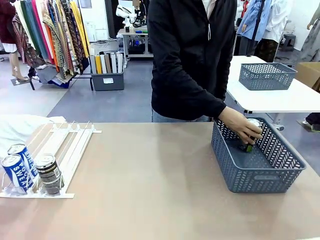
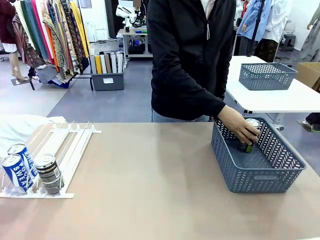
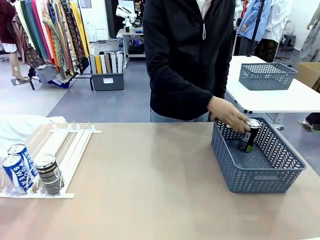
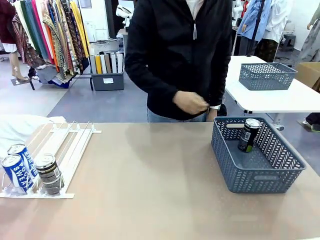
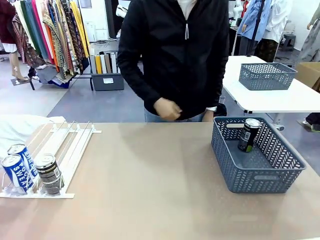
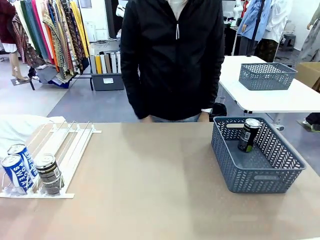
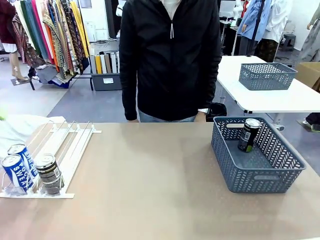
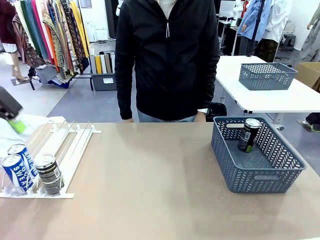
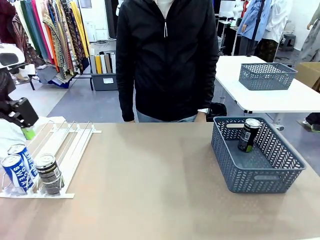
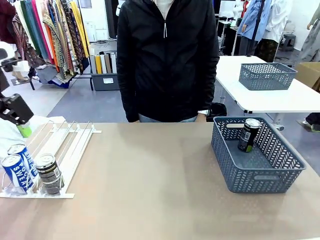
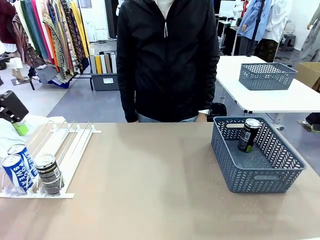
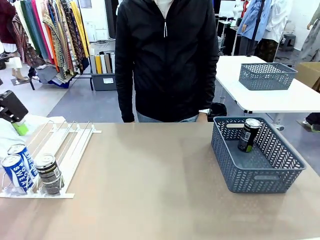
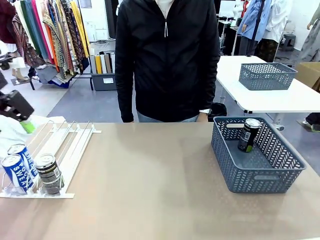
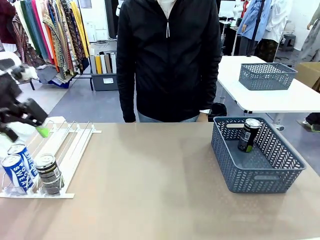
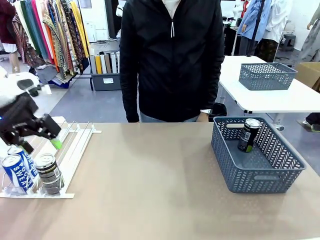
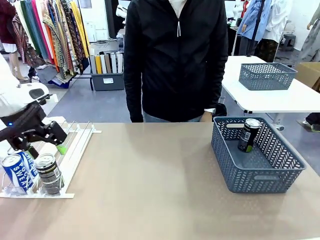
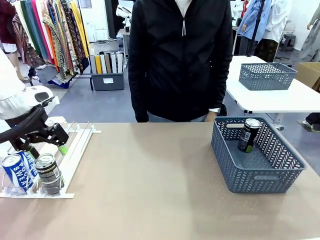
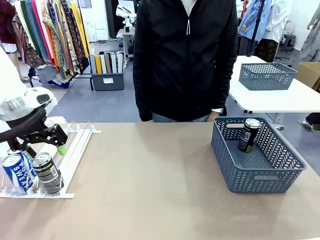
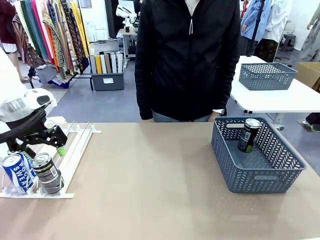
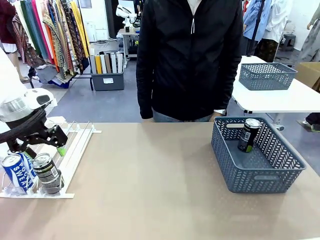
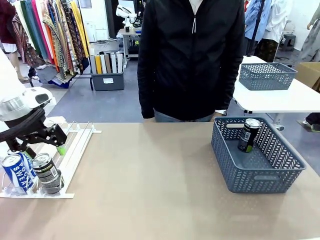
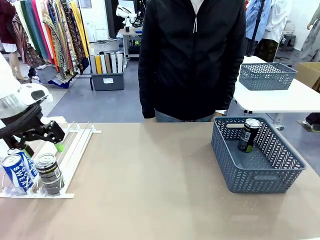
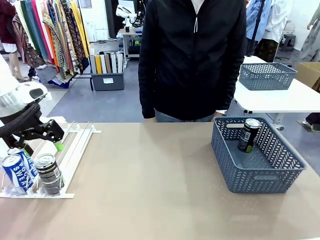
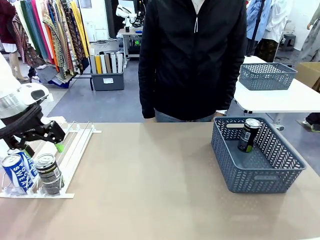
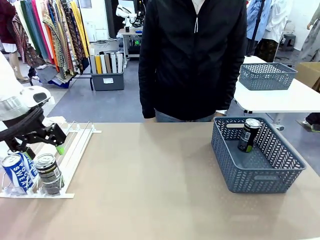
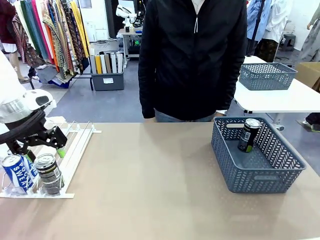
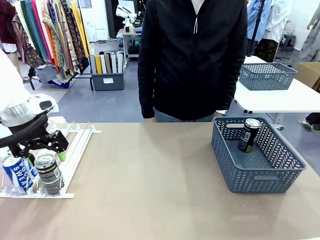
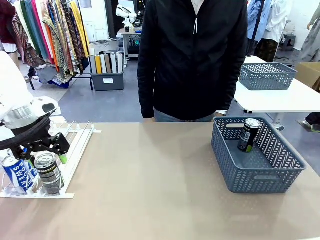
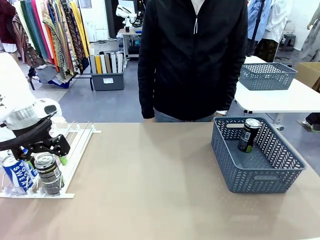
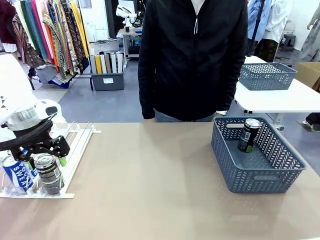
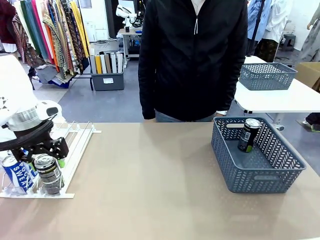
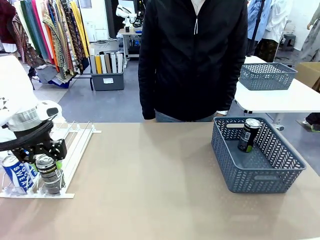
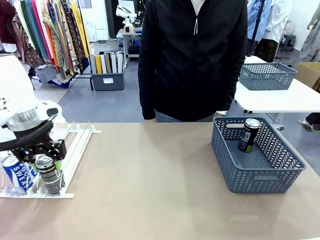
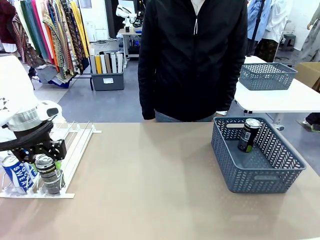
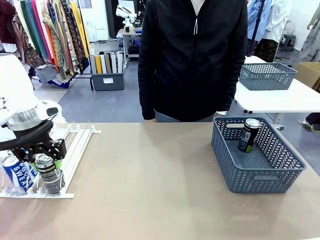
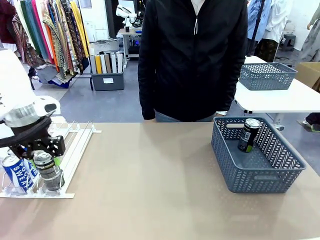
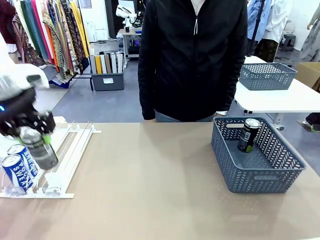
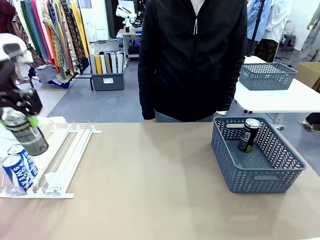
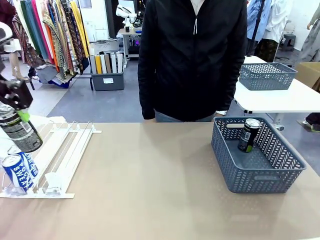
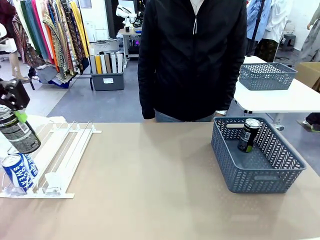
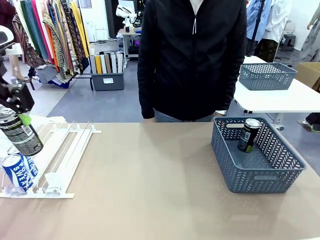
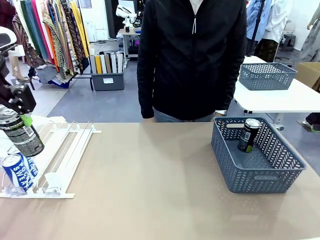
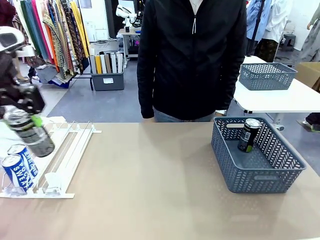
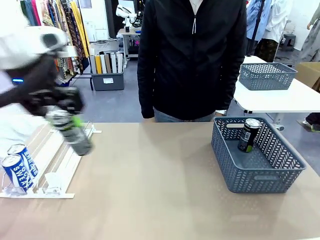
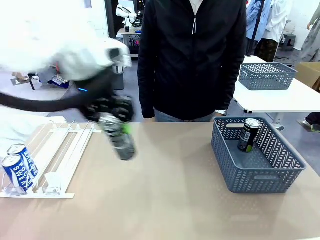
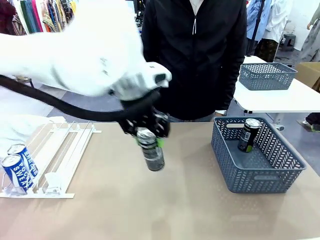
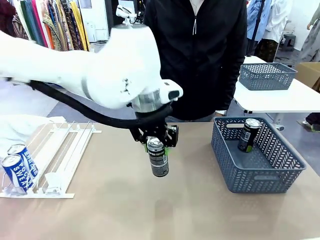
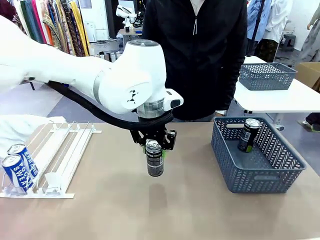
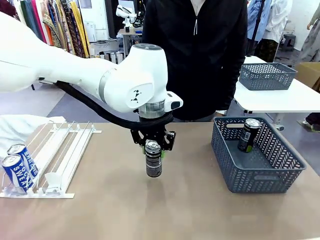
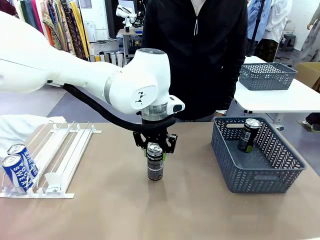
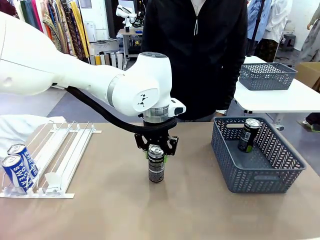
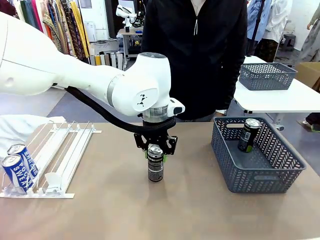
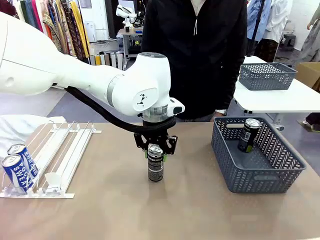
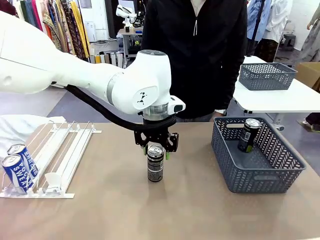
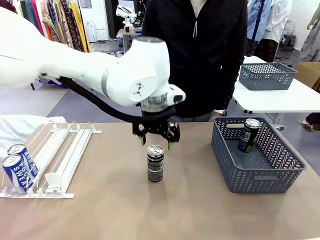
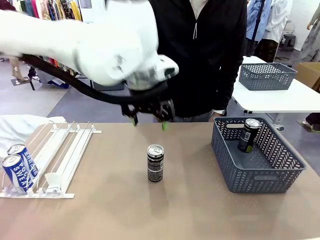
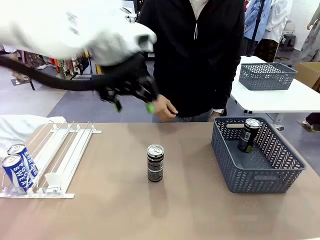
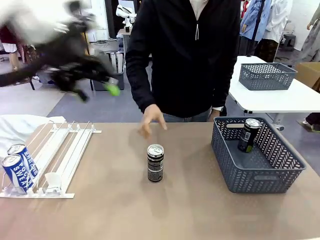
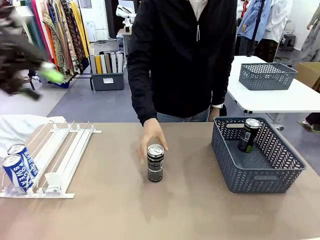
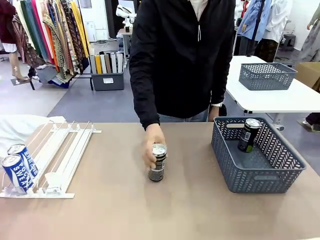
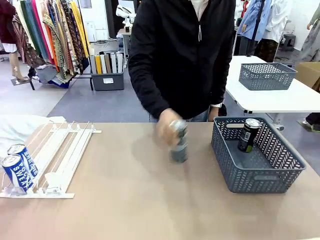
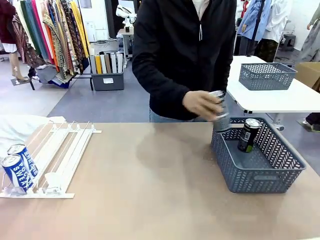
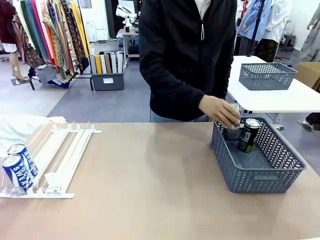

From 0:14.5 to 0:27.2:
Task: Retrieve and store the cans from the dispenser.
Robot: Pick up the last remaining can from one row of the Automatic Can Dispenser and place it in the middle of the table.
Person: Pick up one Pepsi can from the middle of the robot table and place it in the basket.

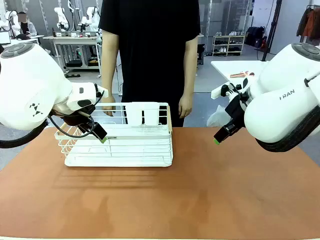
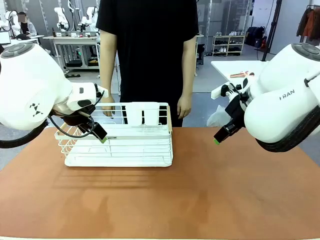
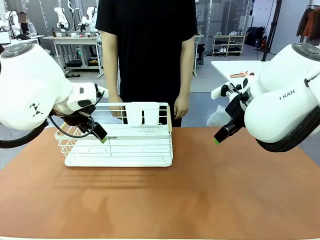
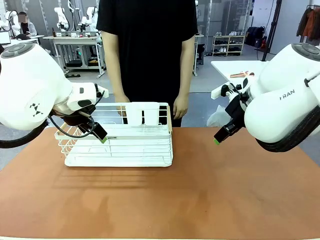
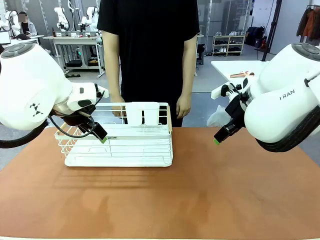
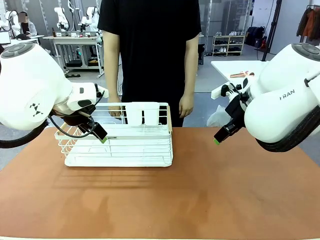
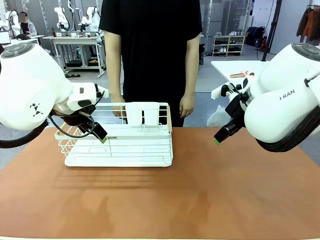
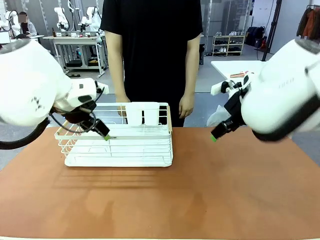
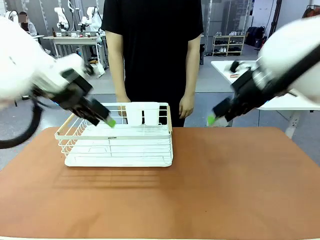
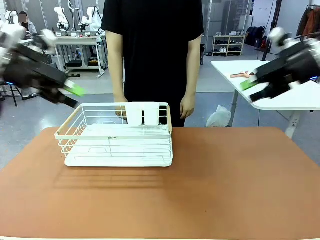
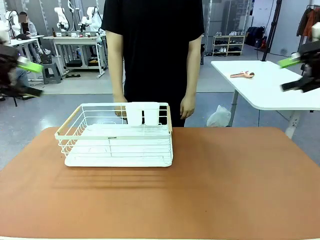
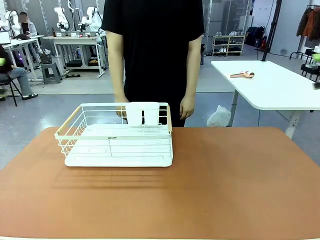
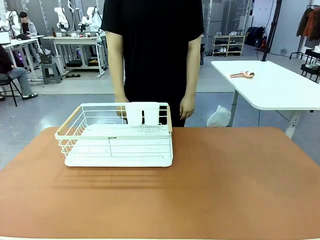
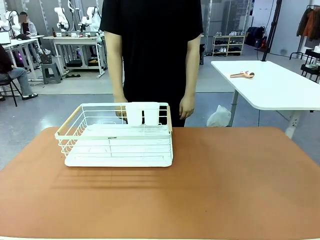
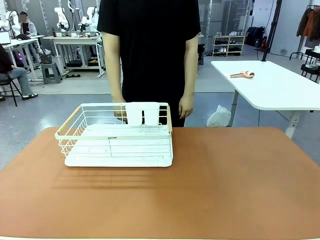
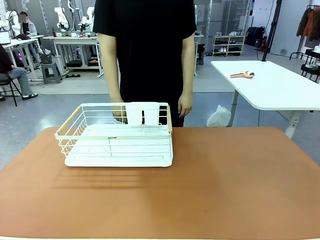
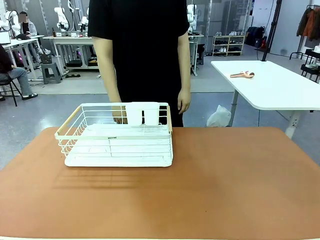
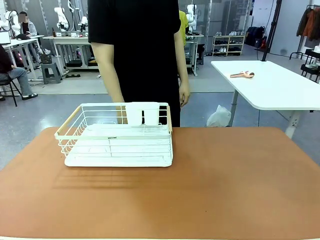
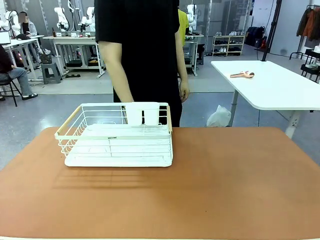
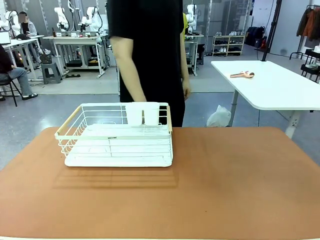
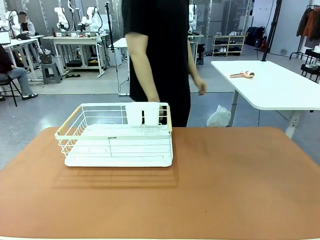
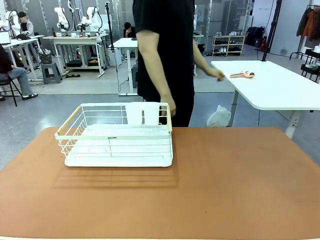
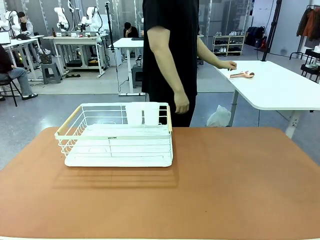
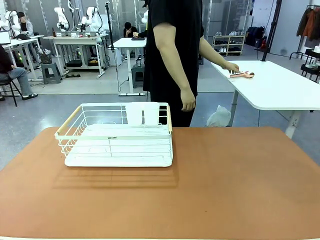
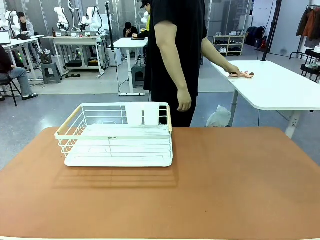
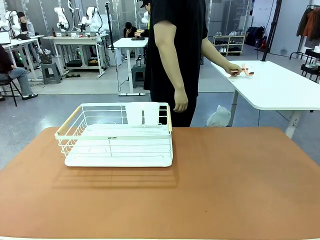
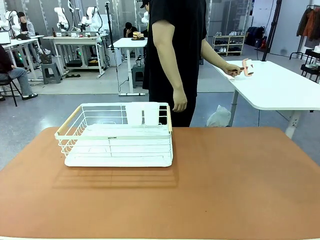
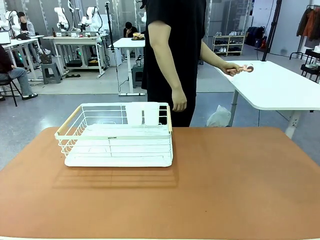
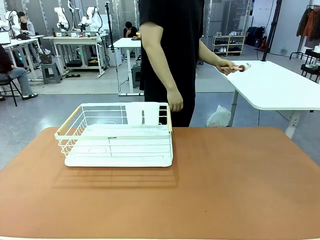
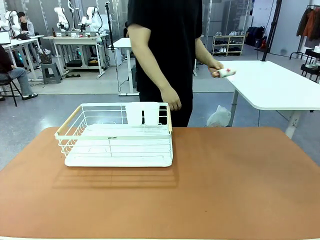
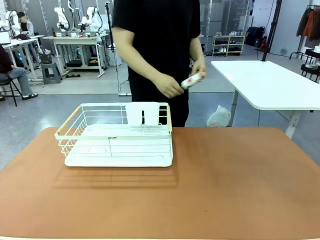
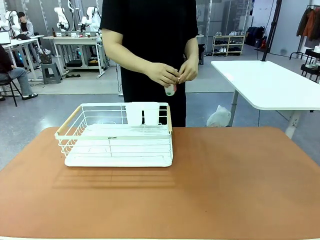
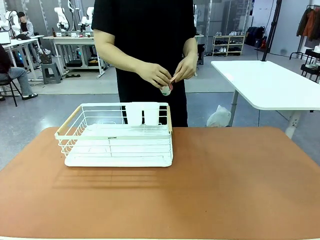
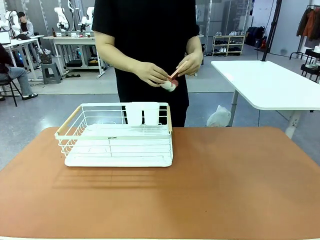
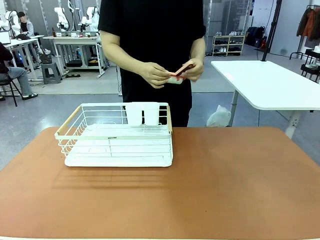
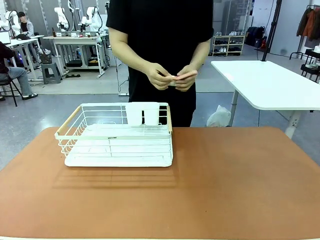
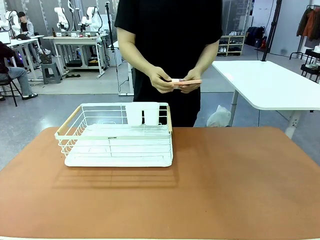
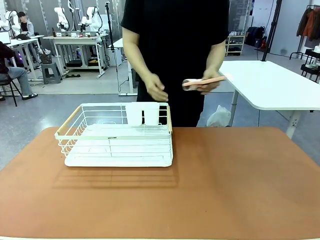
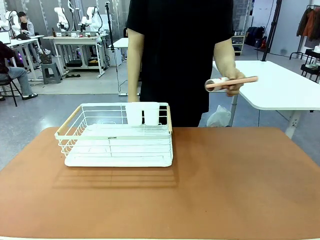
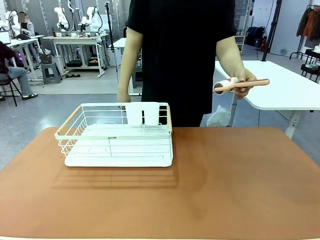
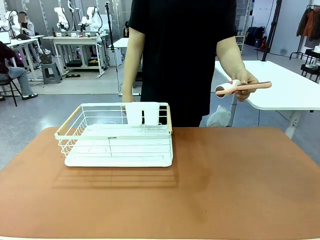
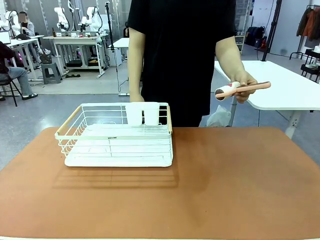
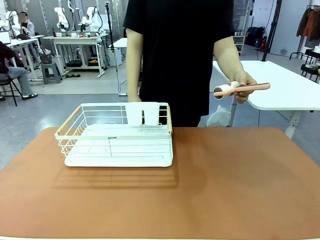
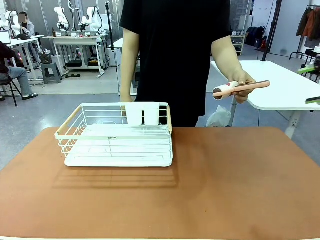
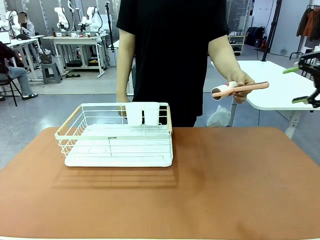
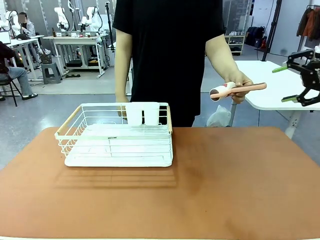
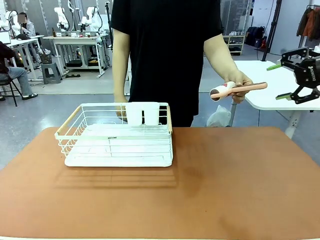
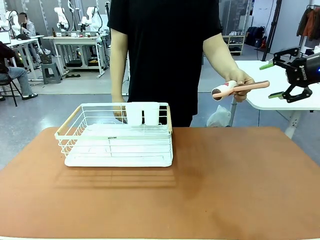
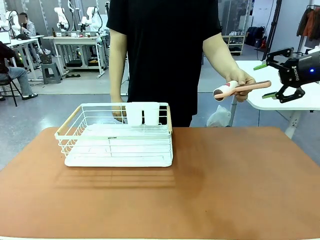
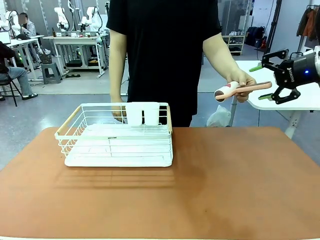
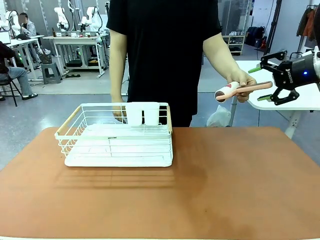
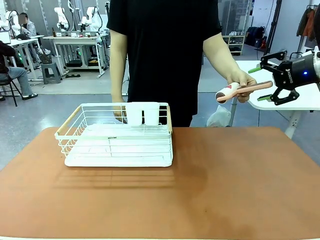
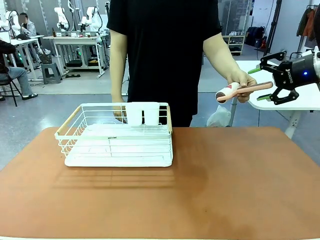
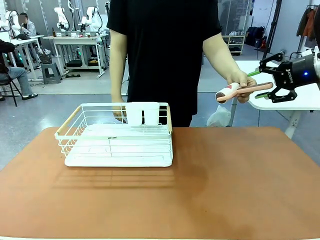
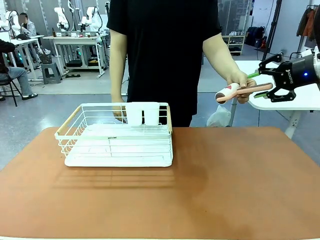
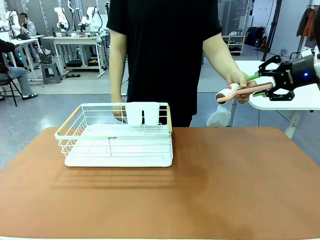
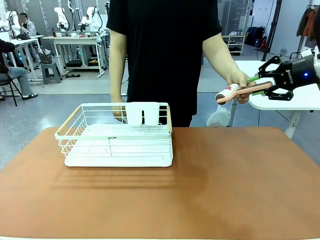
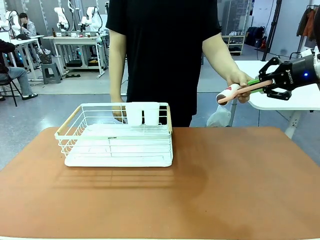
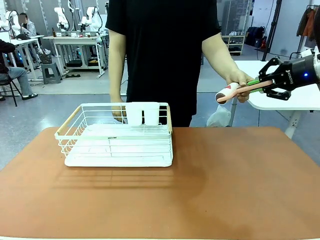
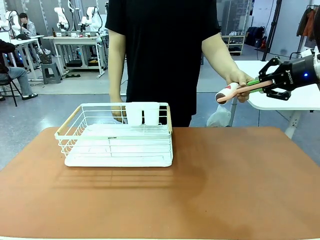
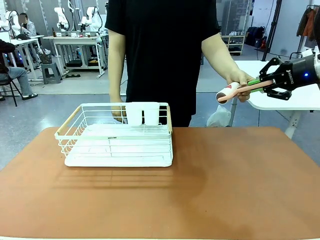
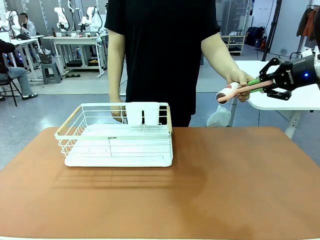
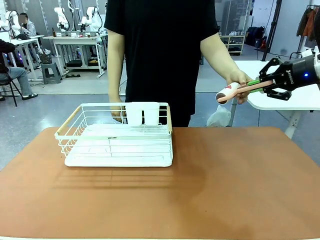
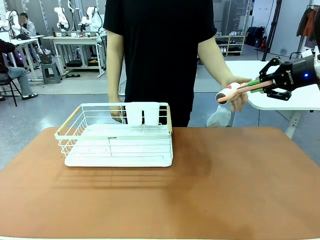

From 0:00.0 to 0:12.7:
Task: Clean the table.
Robot: Pick up the Lint Roller when the human hands it over.
Person: Hand the Lint Roller to the robot so it can easily pick it up. Lift the Dish drying rack.
